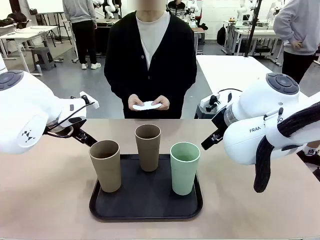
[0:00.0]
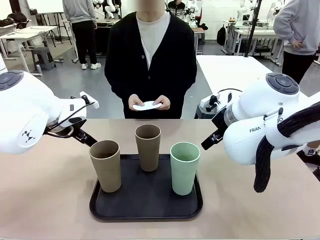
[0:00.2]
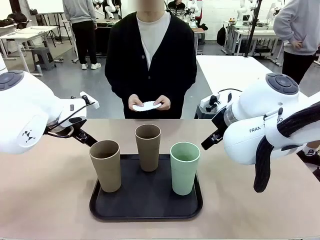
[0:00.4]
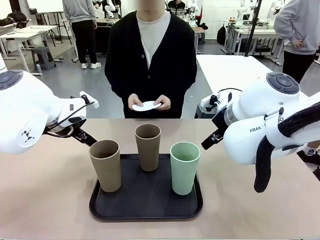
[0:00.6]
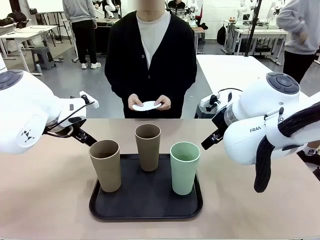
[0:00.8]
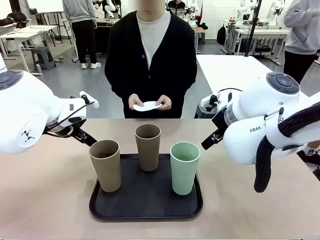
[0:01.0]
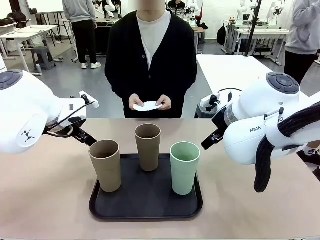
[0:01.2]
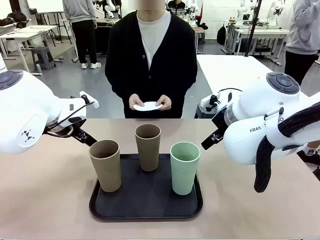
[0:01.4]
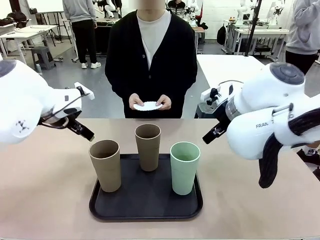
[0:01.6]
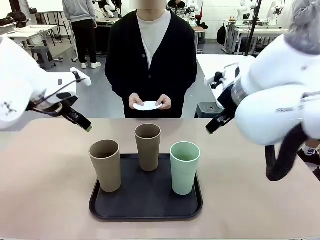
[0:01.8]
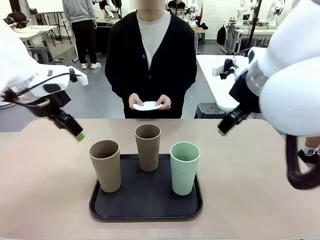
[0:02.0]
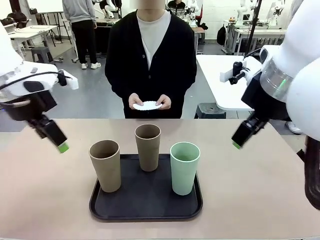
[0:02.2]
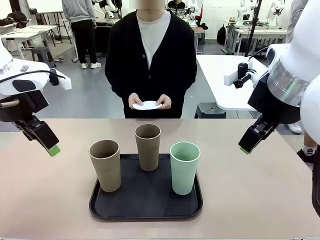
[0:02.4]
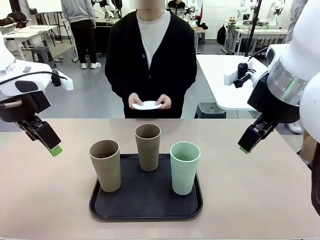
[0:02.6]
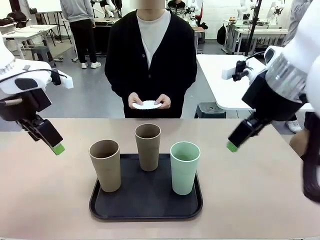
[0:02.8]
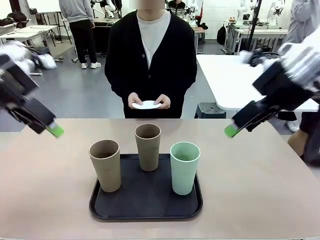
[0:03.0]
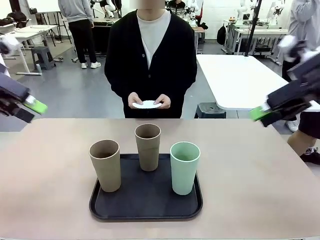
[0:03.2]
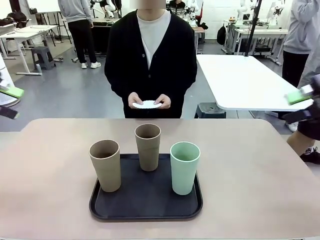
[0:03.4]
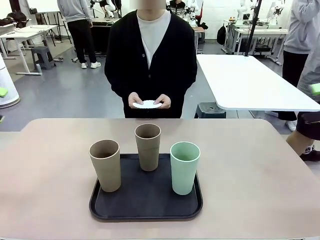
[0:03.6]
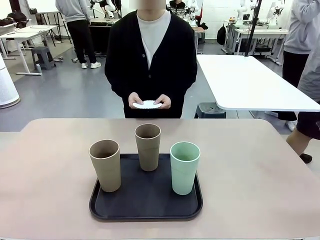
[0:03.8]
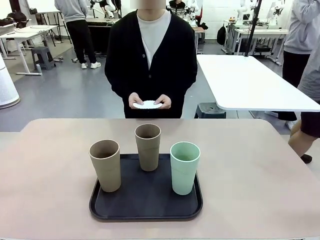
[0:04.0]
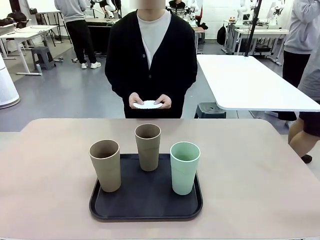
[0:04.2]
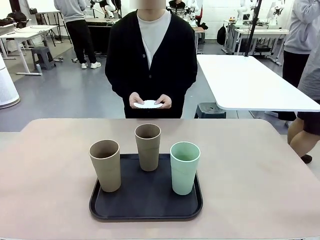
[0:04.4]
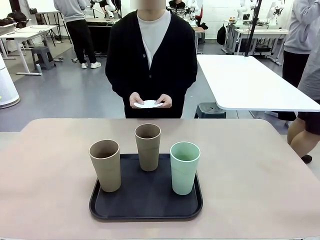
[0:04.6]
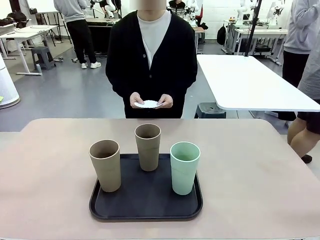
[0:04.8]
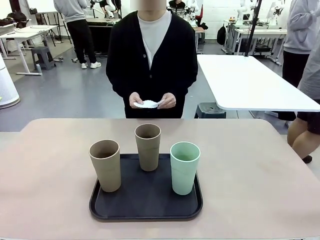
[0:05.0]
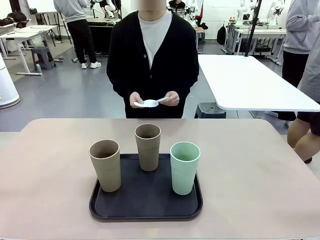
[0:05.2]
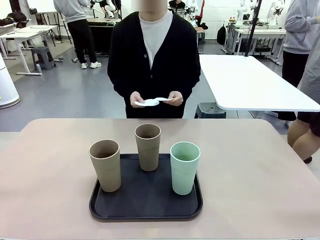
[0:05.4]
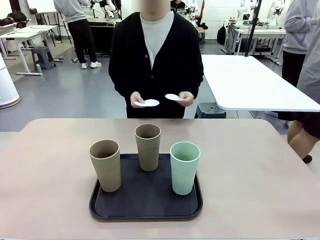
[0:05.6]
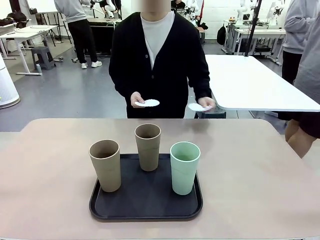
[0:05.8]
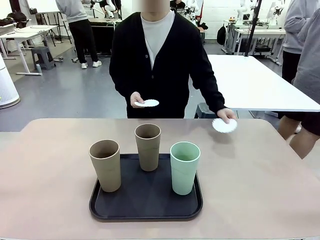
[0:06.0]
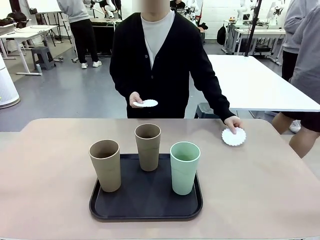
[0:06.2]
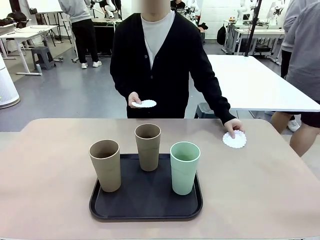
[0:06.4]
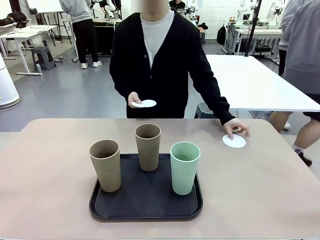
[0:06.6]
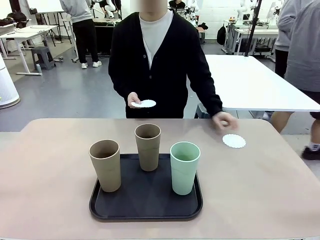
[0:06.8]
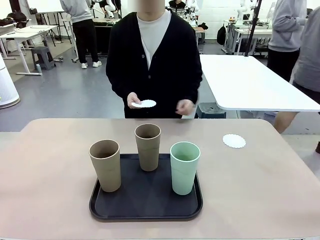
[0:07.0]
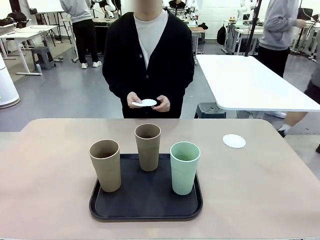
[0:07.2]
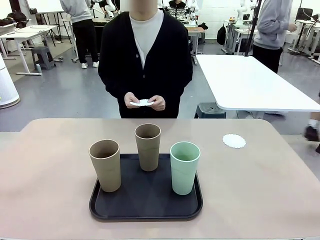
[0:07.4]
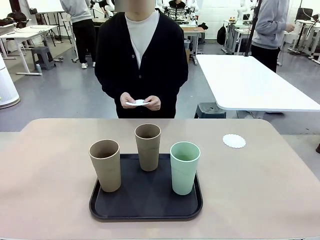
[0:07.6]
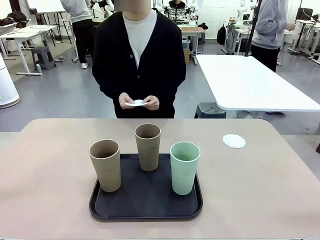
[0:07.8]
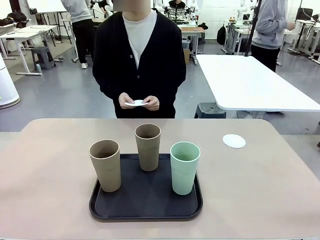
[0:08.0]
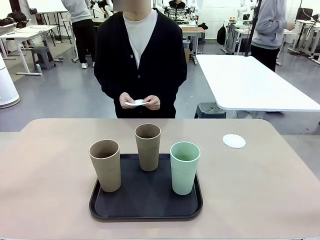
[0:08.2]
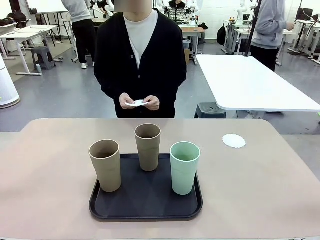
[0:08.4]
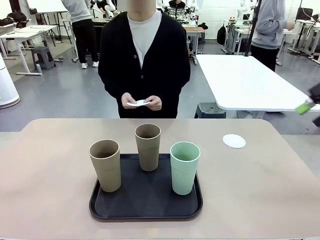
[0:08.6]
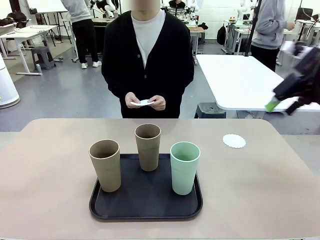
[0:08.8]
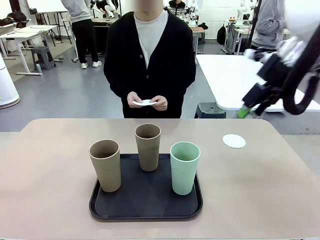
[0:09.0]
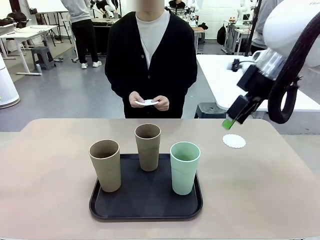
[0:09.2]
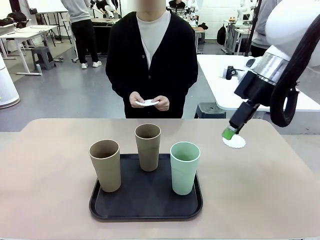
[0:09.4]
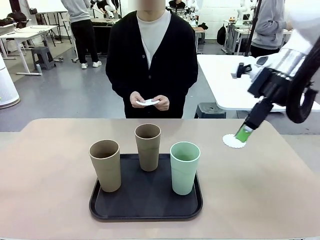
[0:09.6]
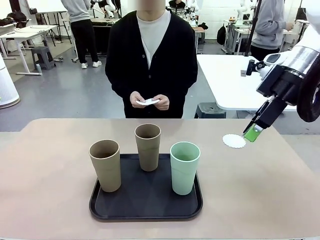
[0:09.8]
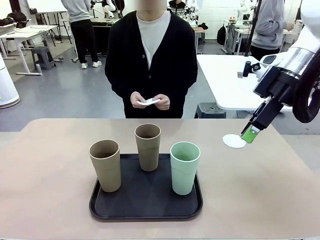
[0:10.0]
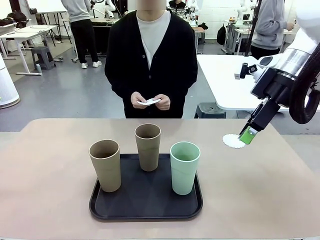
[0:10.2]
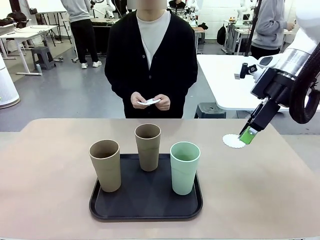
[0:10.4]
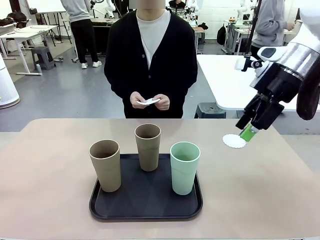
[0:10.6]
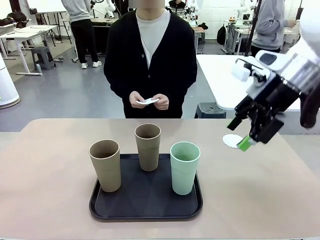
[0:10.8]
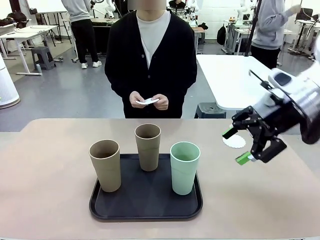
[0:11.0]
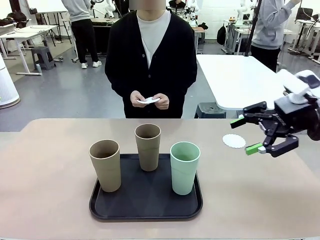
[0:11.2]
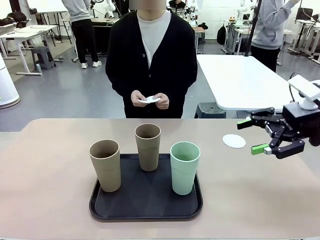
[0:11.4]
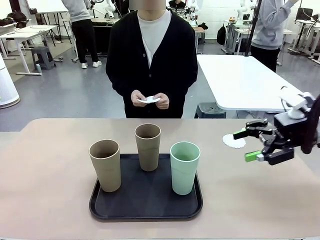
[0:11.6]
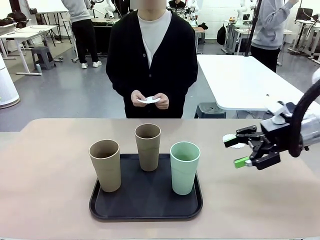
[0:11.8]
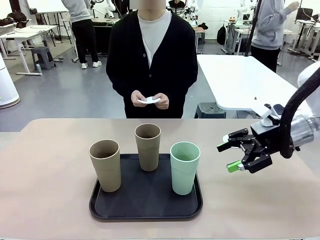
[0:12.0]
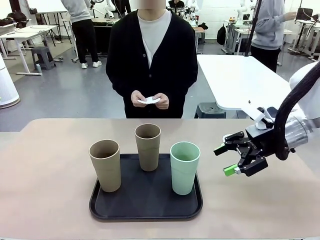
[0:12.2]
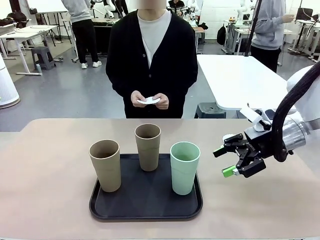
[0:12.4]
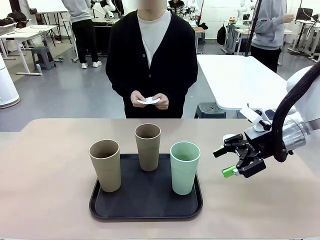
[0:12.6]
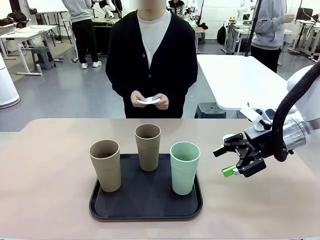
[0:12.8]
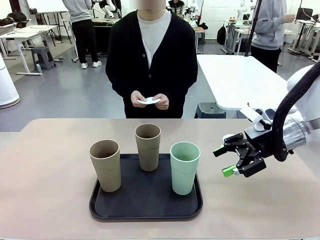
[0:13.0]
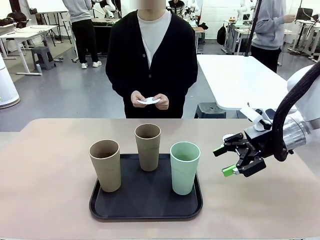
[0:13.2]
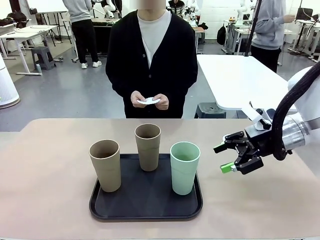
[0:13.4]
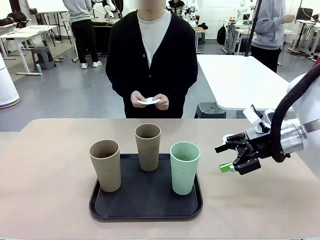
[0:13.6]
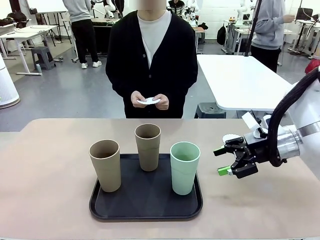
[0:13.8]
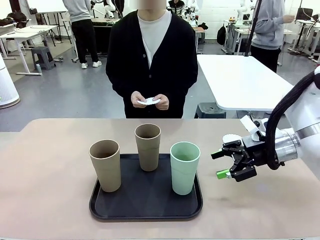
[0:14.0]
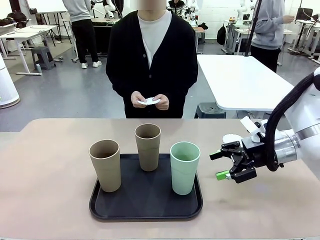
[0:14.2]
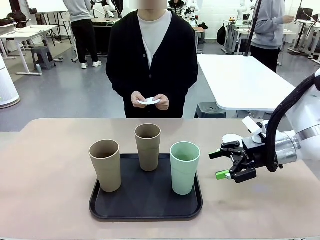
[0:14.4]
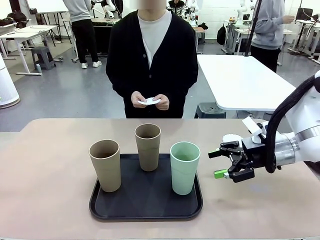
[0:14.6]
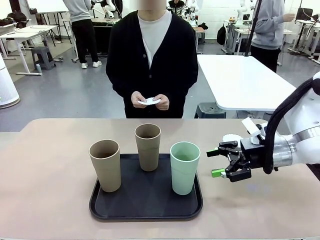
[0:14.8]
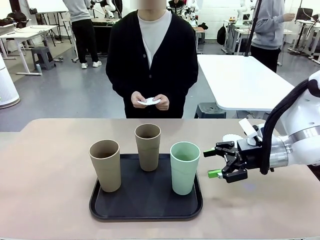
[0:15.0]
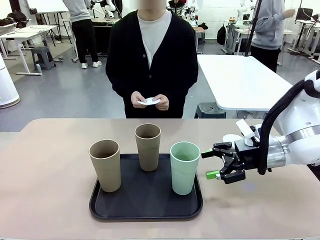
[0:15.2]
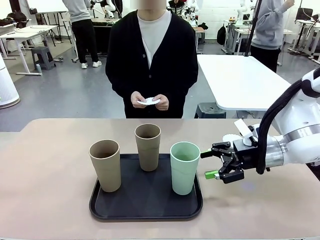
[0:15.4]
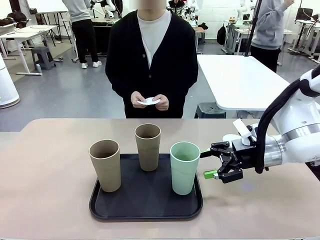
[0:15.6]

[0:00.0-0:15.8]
Task: Place coasters on the table and set cups on them.
Robot: Pick up one Reusable plastic cup and place it on a coaster set by the human.
Person: Place one coaster in any one of the three lower areas of the robot table (left, center, or right).
